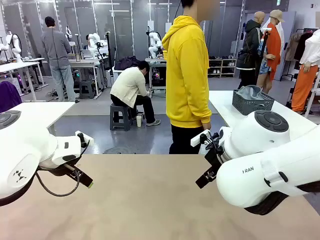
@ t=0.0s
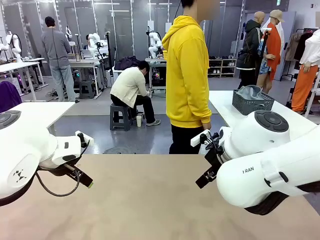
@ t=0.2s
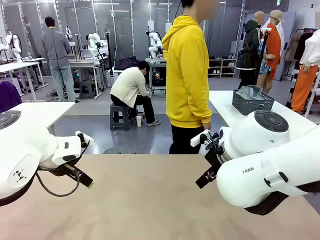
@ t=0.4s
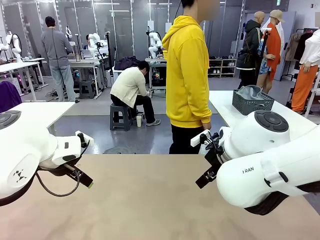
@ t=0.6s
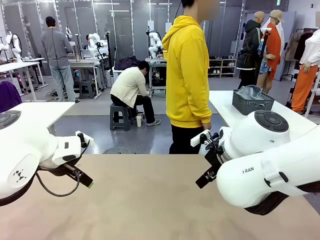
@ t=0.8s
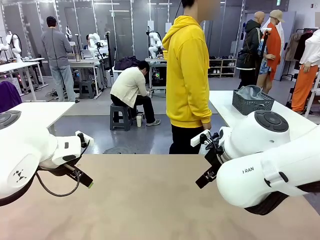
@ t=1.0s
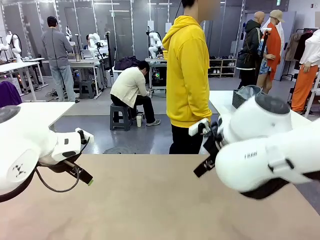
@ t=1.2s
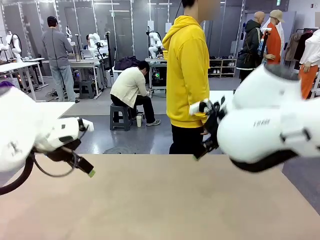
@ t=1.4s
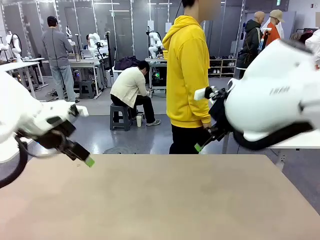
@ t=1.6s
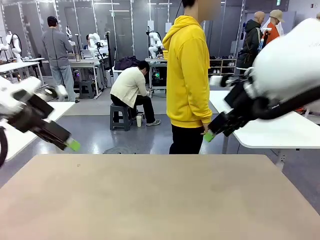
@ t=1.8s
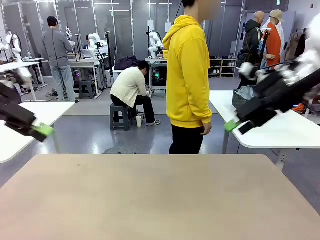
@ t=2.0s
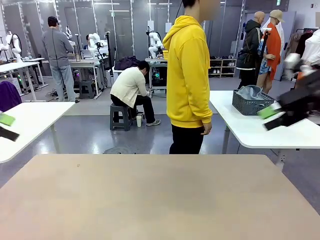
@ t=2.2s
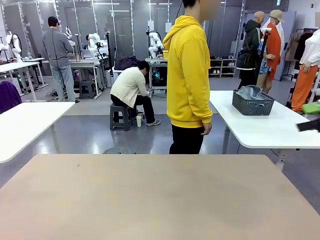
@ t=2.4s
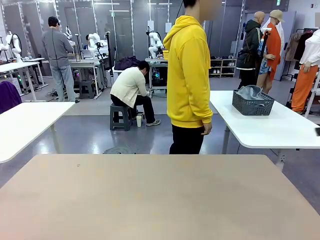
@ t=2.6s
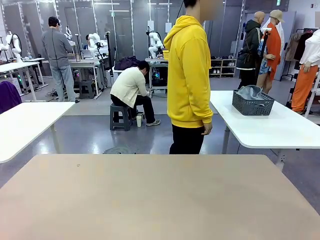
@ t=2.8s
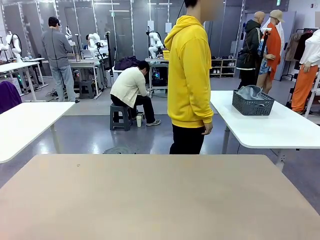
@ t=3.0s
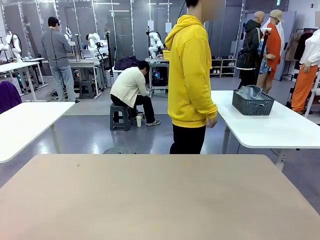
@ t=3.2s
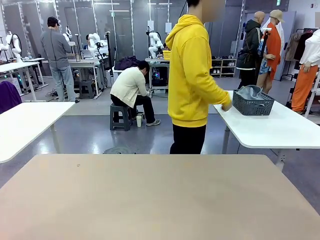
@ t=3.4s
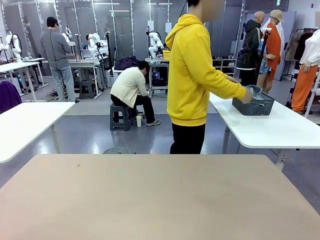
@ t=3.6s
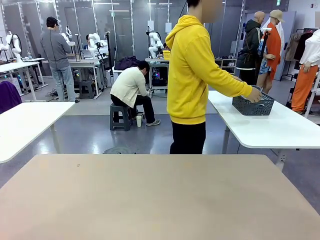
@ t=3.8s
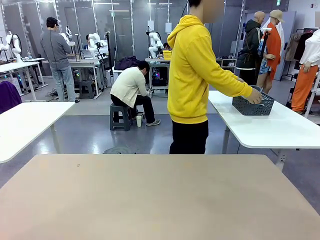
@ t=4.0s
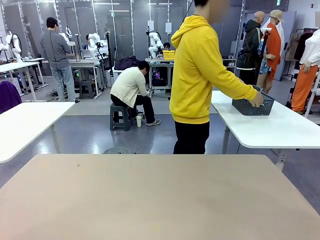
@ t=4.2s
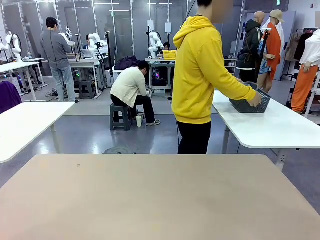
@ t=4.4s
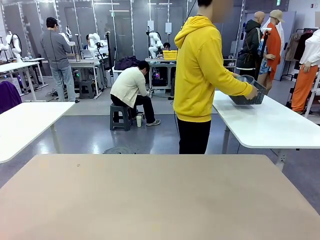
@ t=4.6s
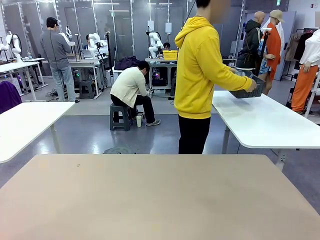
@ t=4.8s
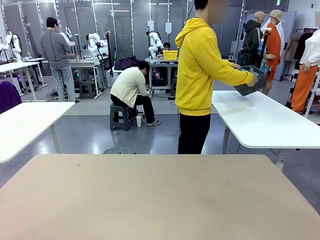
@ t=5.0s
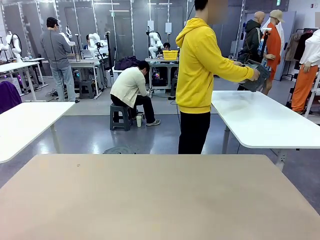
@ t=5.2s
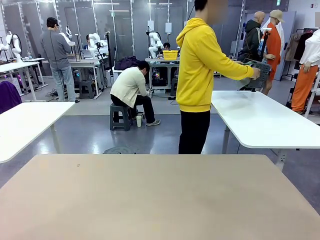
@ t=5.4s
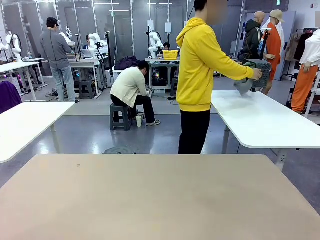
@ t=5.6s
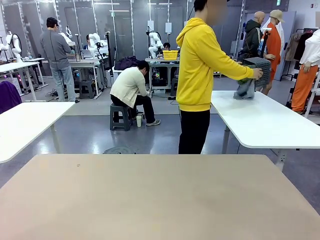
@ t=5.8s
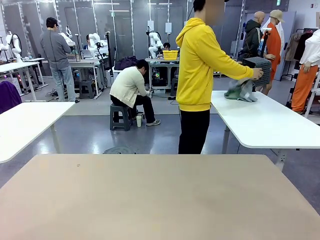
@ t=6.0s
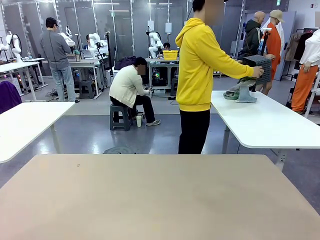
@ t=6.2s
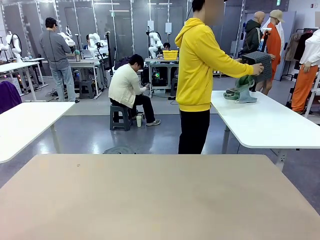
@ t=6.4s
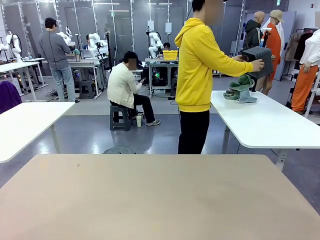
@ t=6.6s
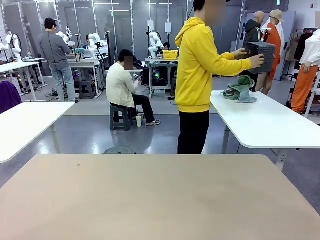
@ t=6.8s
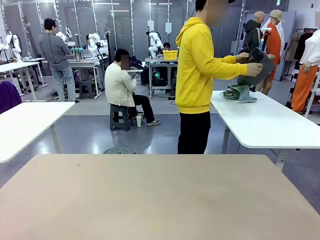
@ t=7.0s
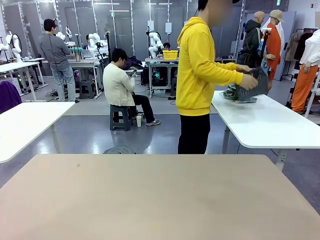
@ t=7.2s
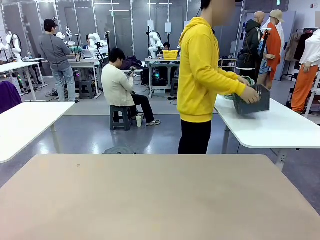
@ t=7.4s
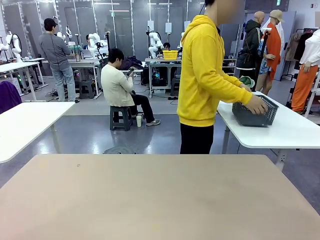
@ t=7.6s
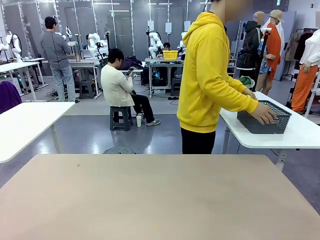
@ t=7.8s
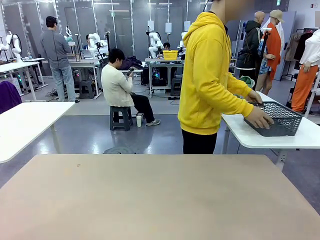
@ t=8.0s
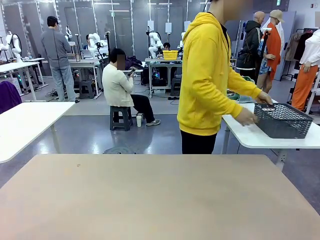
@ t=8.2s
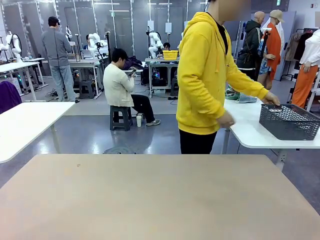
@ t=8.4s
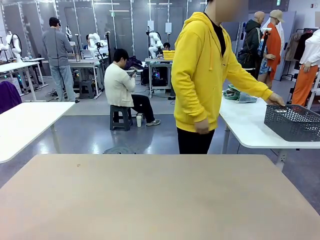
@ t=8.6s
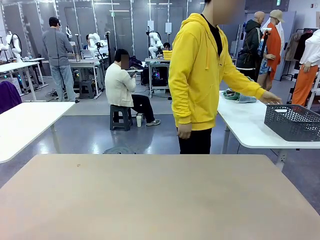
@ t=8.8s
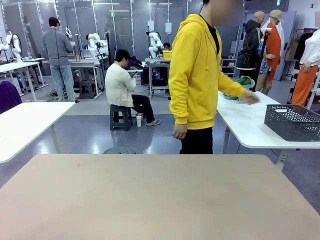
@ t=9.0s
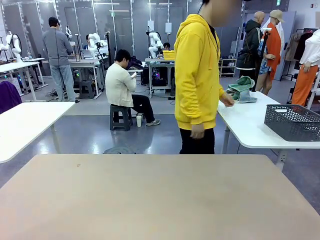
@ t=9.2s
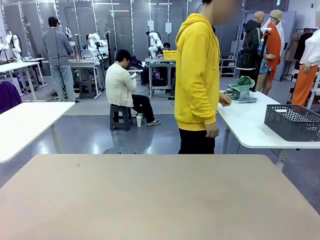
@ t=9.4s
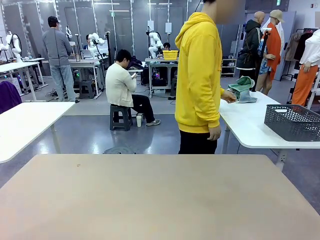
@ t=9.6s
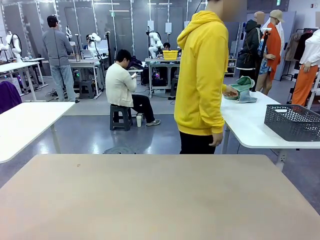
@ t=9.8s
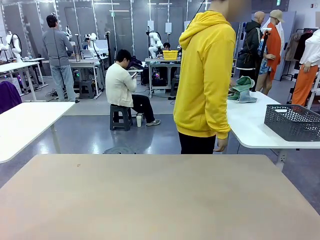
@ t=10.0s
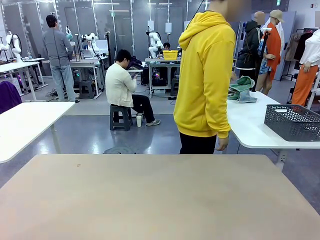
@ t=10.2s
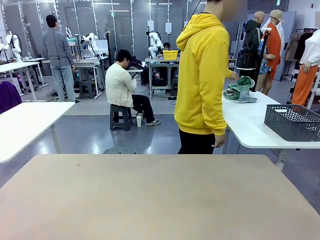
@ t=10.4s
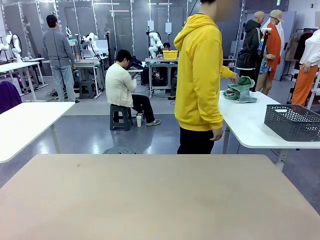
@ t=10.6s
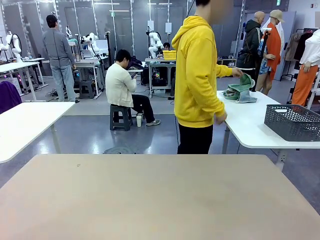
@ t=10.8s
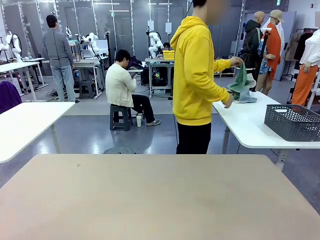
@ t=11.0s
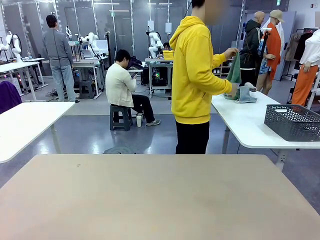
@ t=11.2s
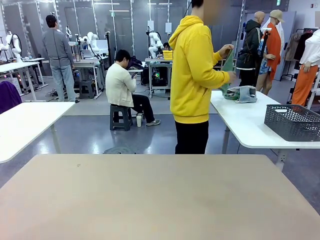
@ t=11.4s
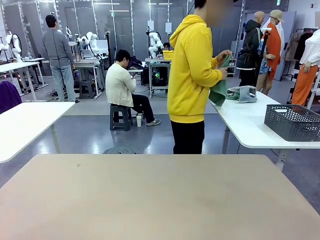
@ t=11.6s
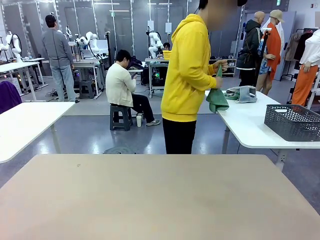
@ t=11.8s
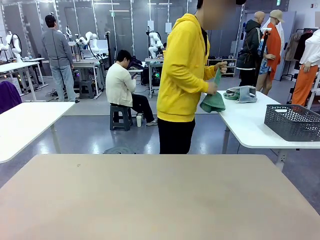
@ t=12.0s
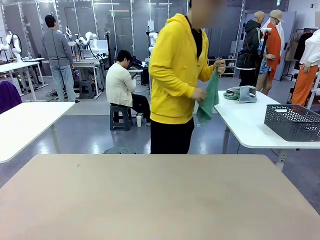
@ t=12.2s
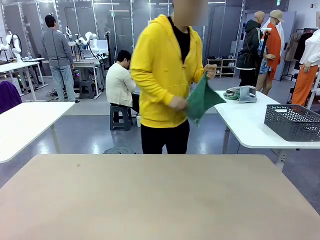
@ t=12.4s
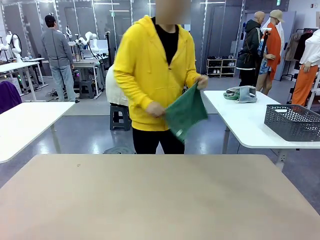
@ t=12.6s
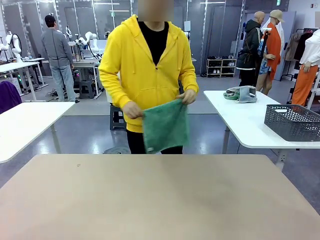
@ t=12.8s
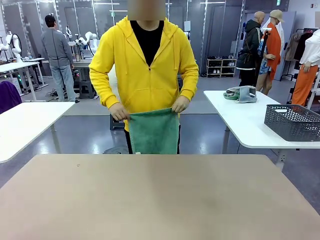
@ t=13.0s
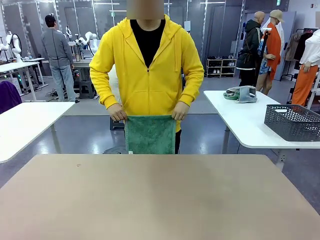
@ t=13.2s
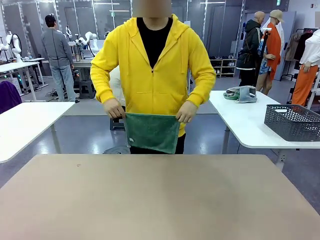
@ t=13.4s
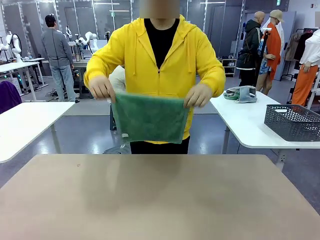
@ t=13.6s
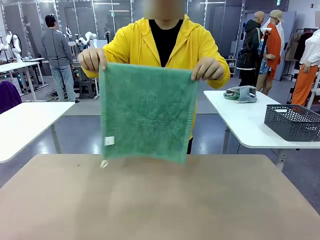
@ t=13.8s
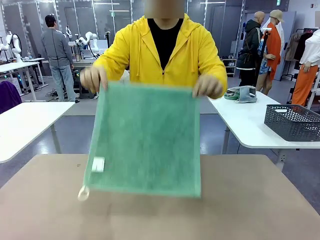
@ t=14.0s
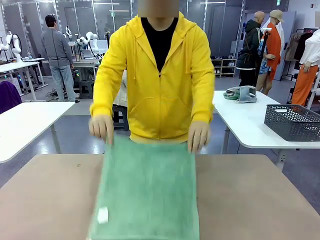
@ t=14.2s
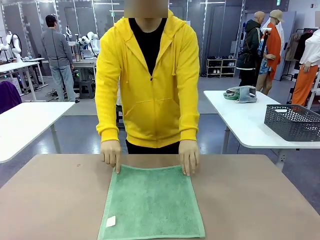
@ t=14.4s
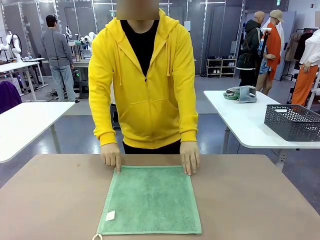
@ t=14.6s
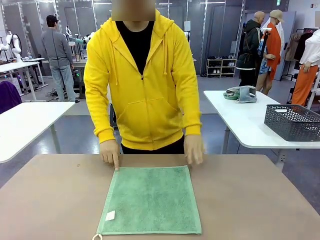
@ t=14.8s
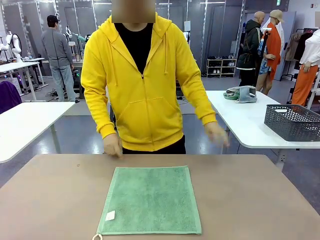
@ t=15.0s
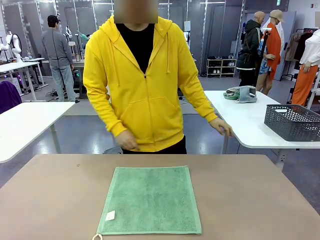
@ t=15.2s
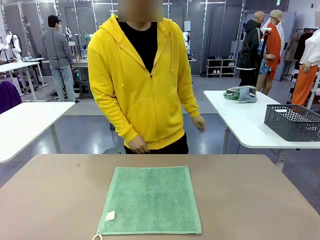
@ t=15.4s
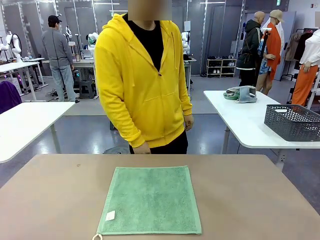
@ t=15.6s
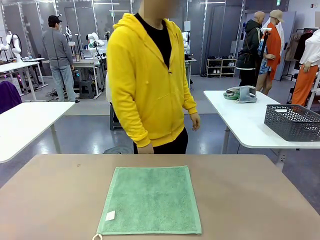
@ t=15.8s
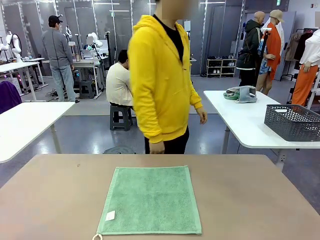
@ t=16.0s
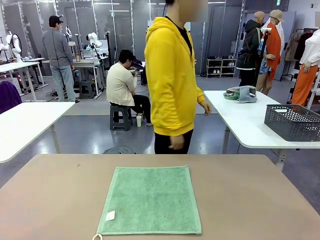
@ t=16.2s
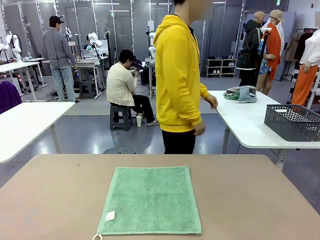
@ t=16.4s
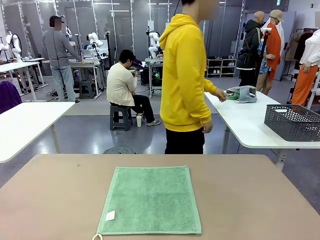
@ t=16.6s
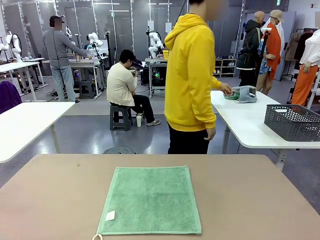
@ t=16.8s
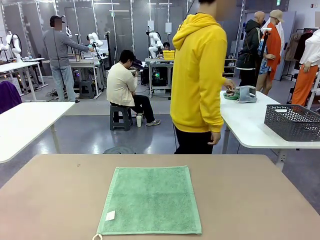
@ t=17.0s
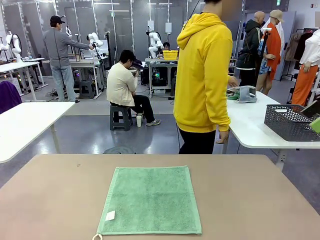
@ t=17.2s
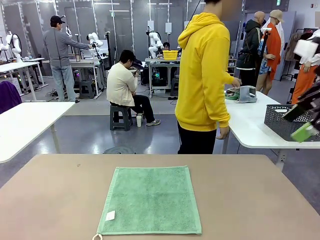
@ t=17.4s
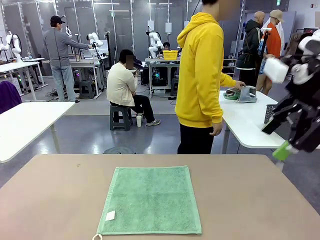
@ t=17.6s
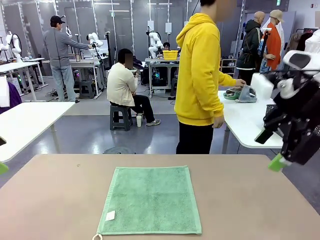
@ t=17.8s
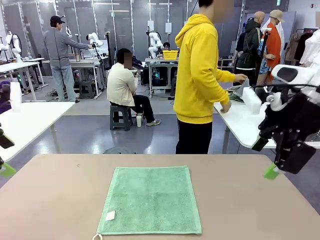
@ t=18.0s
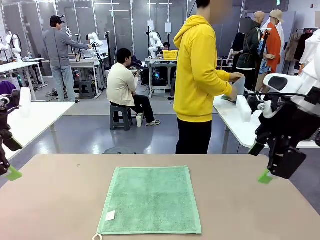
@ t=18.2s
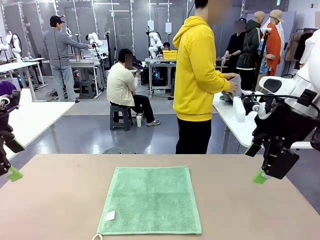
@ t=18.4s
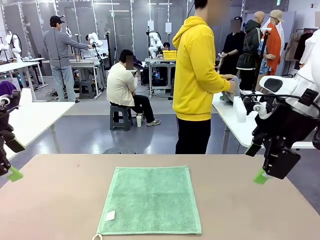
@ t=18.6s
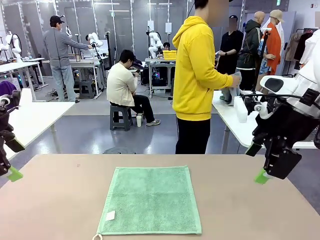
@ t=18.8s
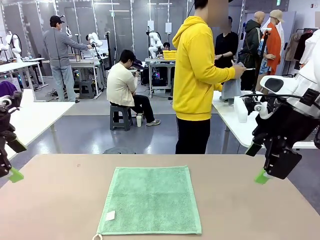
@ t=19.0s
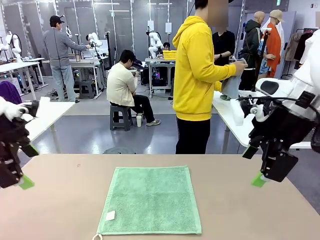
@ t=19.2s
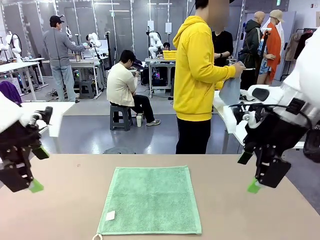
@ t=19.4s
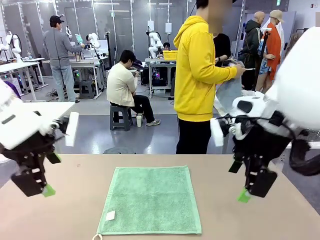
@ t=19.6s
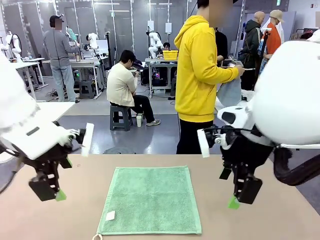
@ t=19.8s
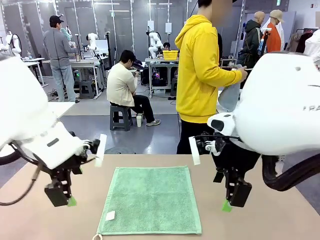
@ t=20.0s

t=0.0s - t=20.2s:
Task: Fold the towels and place them in the basket.
Robot: When a person lays out a Towel with hook on the table, fold it in half twice.
Person: Pick up the basket, pour the towels onto the left side of the human table, and place the basket on the right side. Pick up one towel and spread it out at the center of the robot table.
